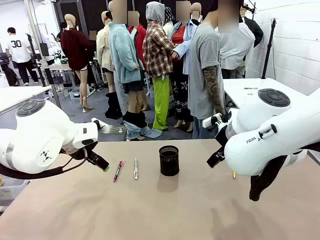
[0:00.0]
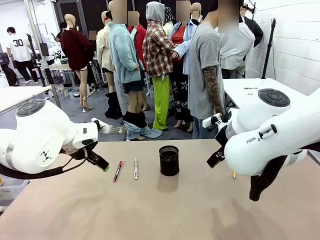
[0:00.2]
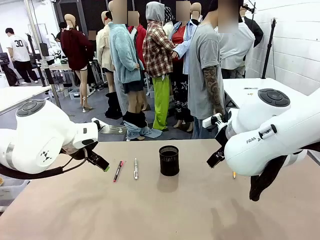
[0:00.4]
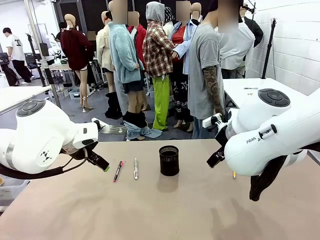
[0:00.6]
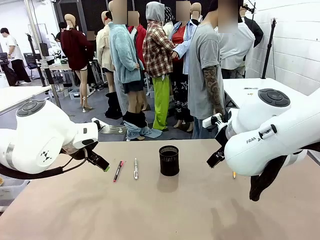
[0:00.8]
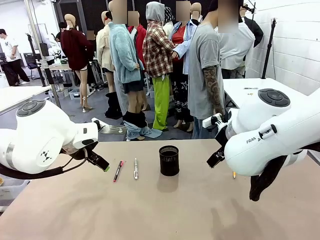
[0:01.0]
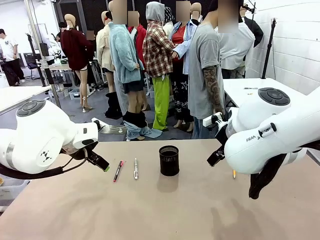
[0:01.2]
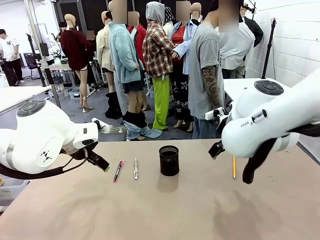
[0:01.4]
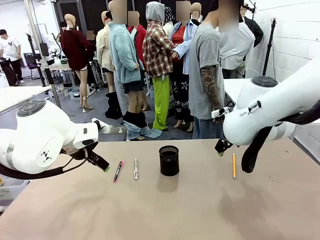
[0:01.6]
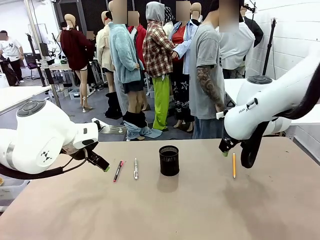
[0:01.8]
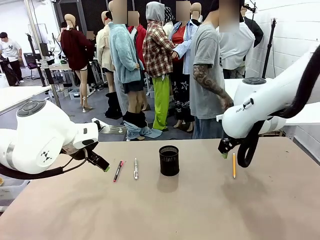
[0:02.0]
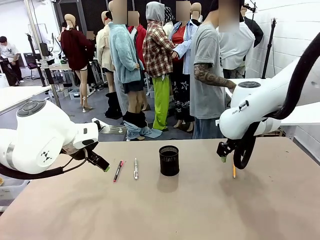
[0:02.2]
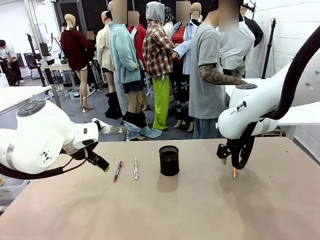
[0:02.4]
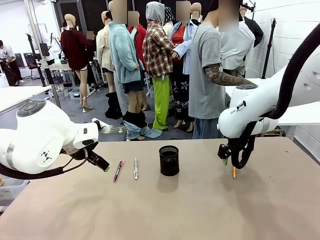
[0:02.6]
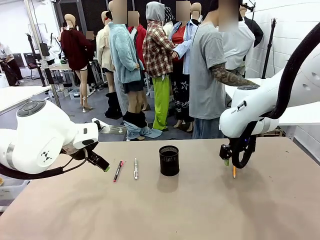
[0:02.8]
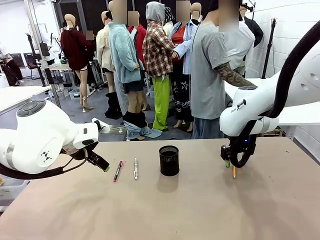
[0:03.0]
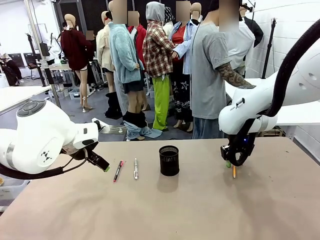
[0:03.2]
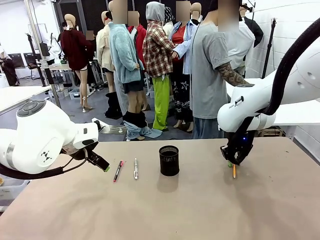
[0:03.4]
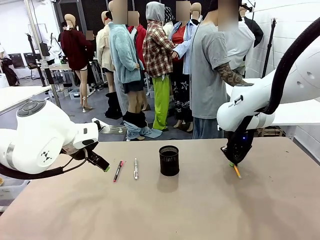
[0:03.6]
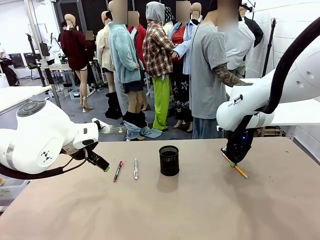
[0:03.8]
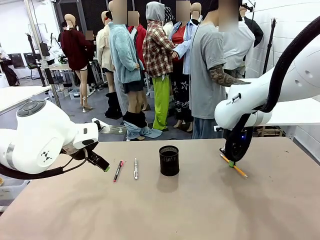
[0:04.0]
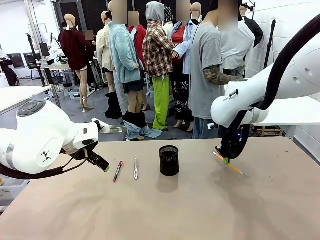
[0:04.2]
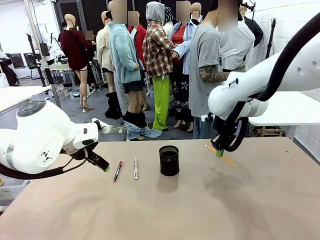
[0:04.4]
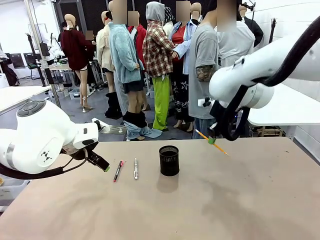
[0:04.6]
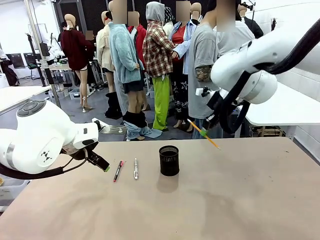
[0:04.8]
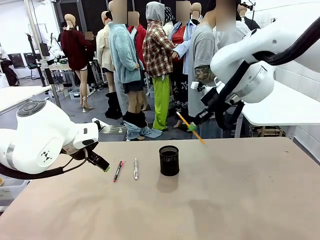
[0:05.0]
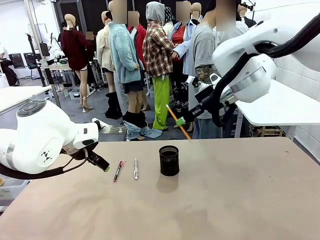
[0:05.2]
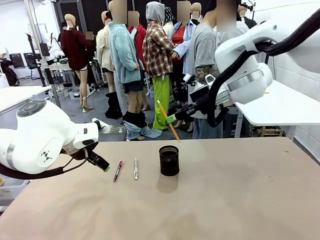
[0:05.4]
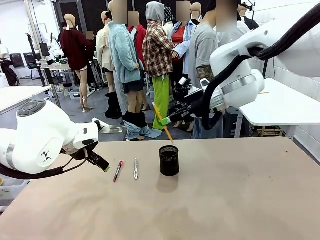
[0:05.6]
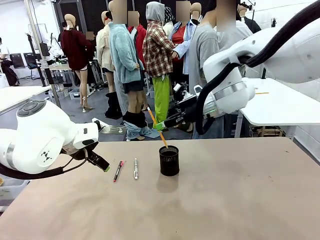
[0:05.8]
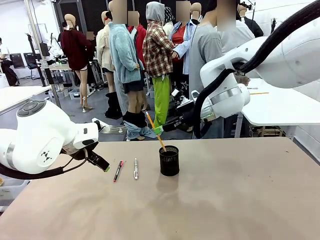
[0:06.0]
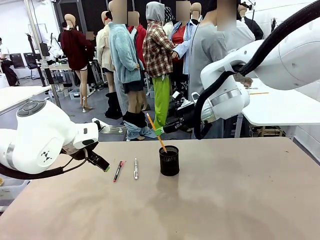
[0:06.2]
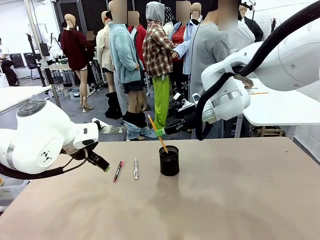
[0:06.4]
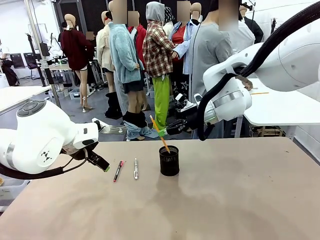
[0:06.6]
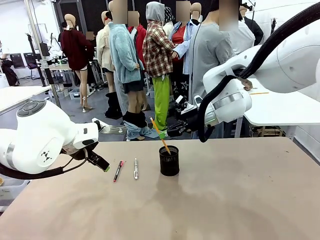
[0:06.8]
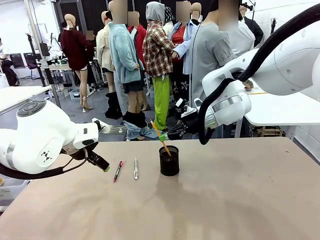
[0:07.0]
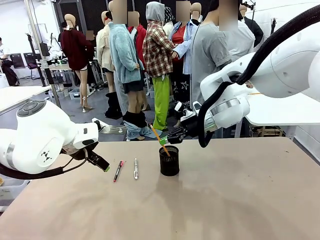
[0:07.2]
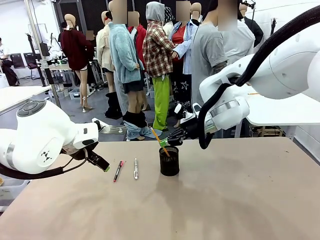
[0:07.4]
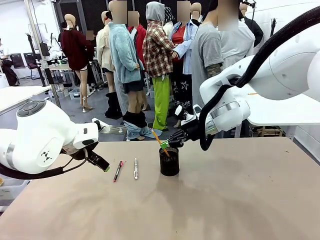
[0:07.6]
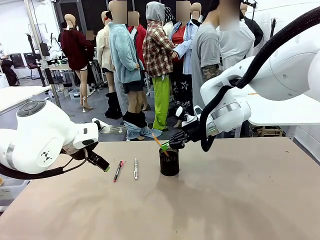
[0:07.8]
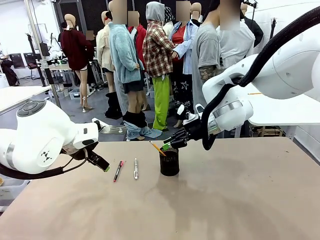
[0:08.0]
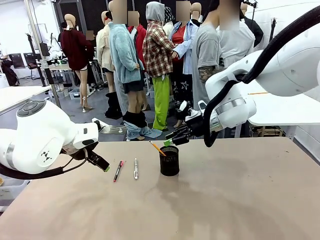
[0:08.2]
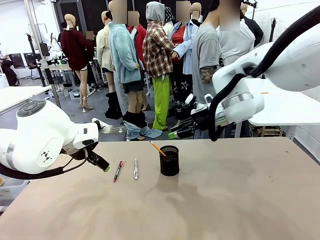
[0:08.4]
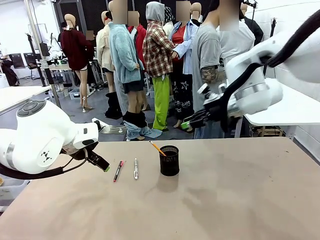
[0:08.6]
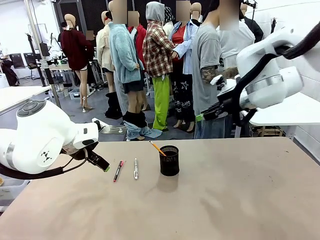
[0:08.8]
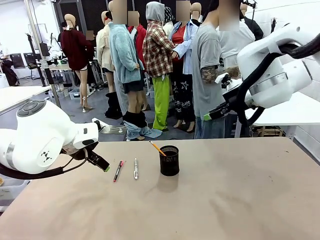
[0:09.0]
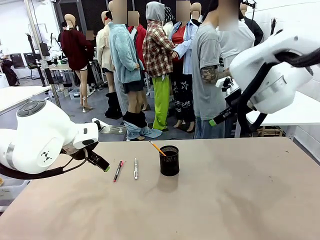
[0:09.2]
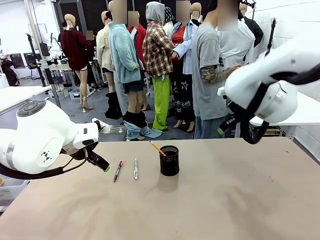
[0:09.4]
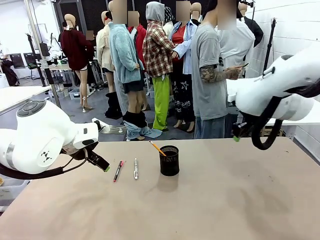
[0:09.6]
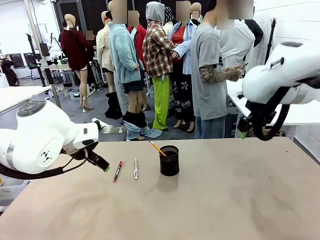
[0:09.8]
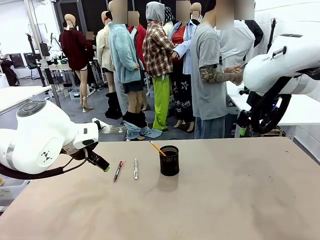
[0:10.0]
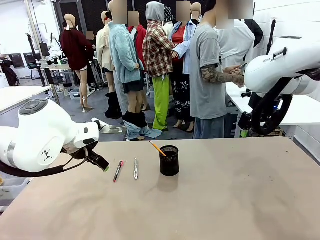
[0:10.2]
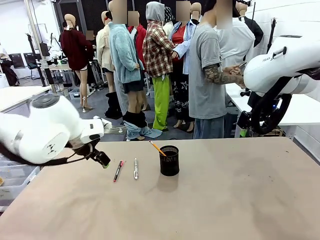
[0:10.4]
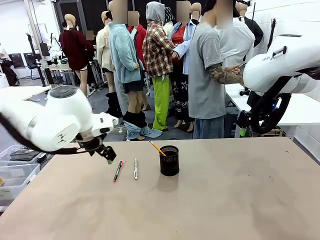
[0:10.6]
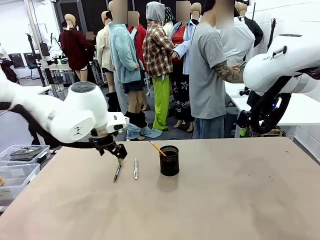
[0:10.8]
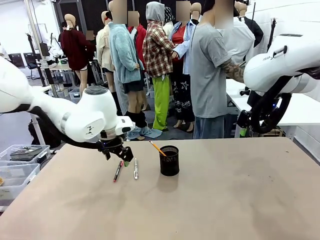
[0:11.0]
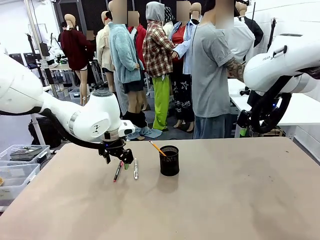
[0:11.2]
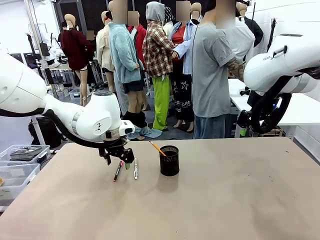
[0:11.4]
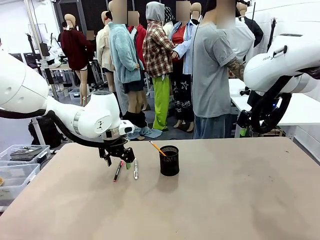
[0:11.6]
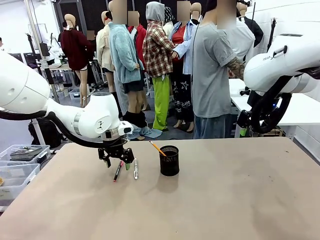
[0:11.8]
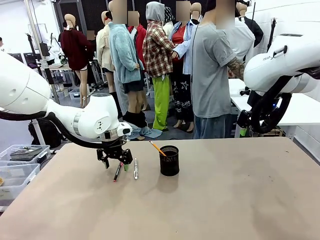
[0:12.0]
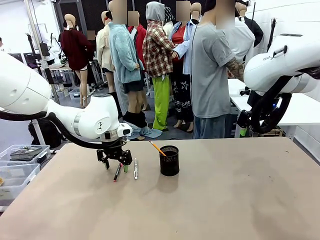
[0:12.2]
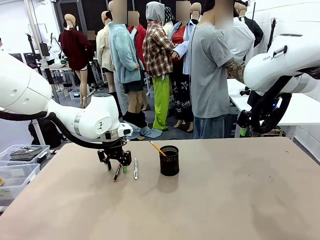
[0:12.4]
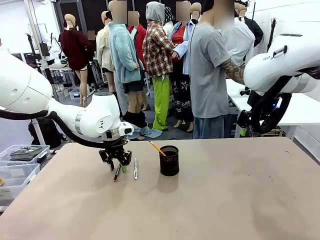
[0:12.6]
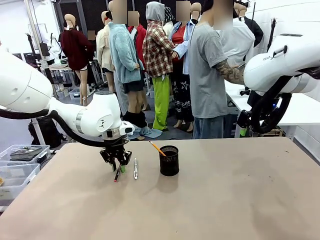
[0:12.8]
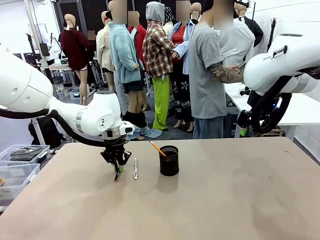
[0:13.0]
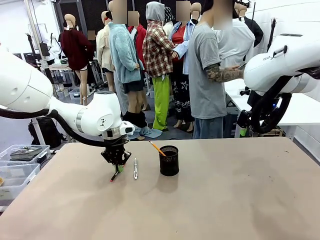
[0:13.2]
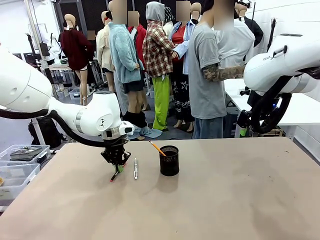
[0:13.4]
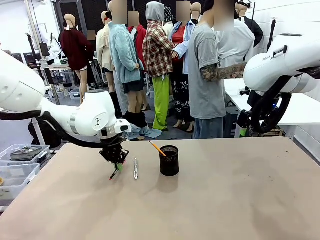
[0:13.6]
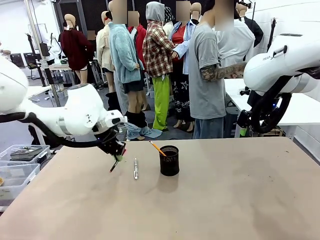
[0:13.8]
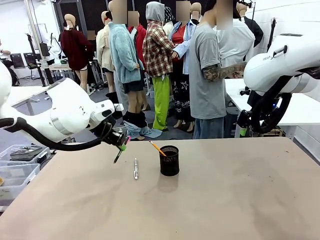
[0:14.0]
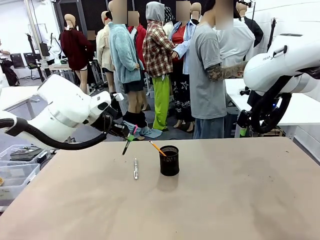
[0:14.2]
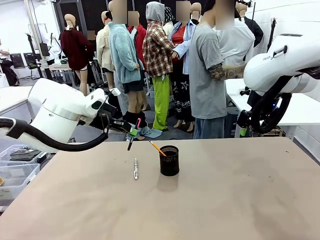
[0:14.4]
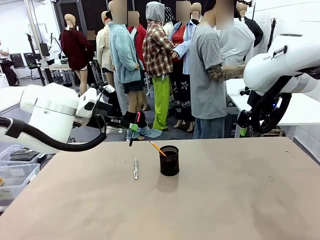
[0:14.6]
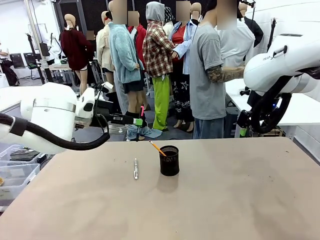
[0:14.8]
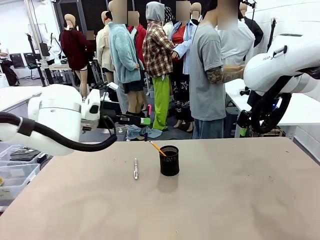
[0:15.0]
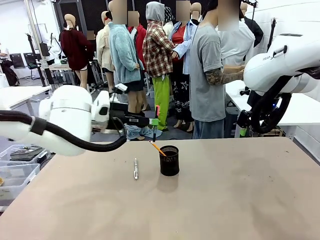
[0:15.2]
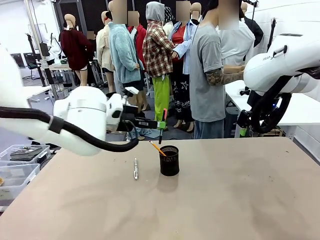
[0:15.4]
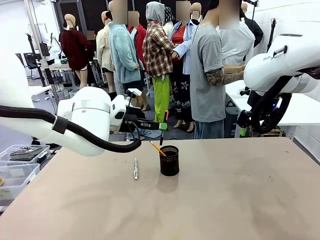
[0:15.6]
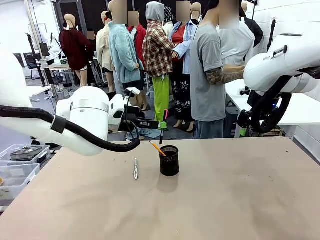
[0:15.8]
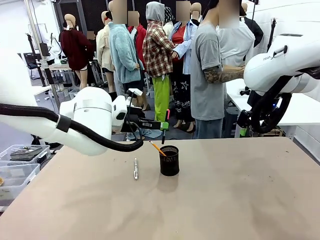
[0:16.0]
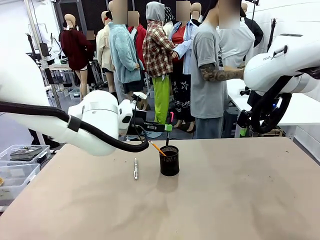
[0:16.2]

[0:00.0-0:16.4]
Task: Place the pens into the pen holder.
Robot: Pick up a writing instrument from the table and place it into the Pen holder.
Person: Pick up all writing instruments from the Human table.
